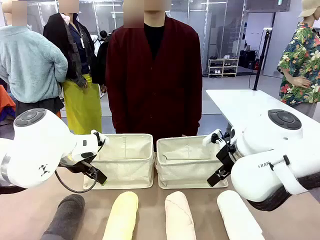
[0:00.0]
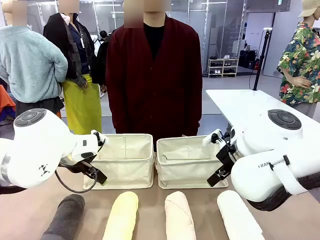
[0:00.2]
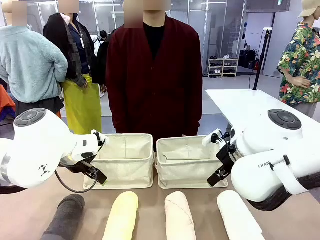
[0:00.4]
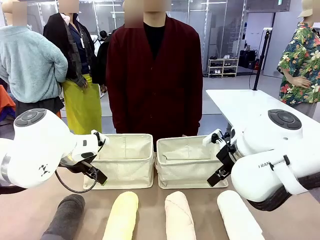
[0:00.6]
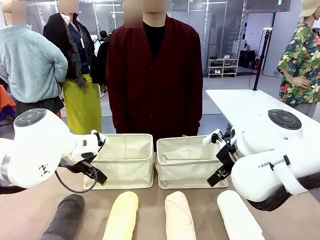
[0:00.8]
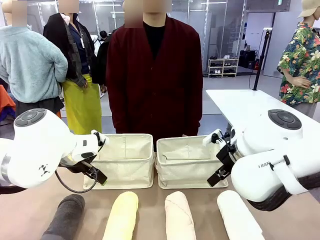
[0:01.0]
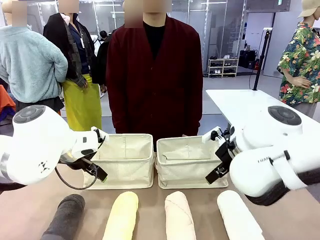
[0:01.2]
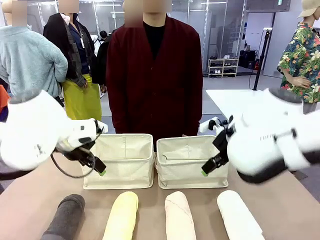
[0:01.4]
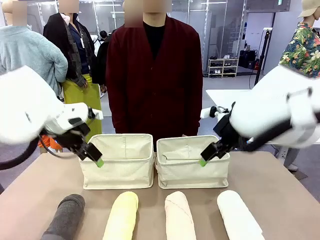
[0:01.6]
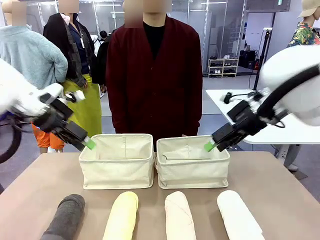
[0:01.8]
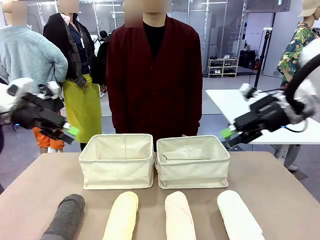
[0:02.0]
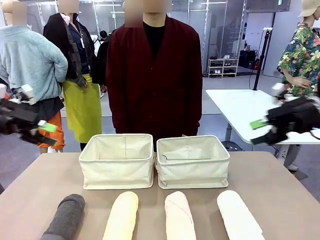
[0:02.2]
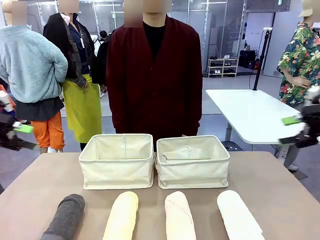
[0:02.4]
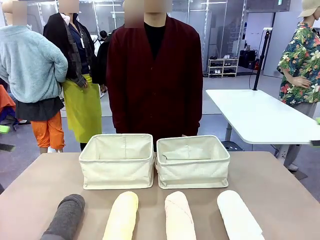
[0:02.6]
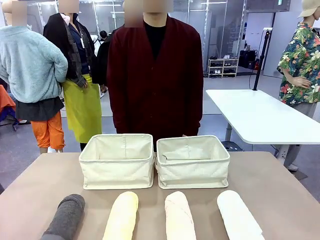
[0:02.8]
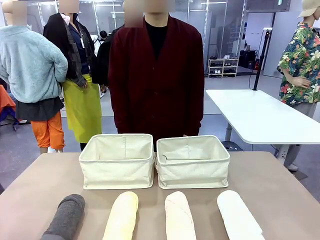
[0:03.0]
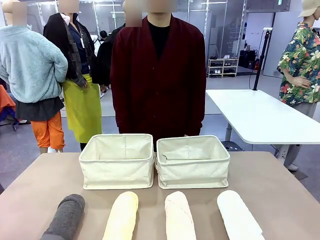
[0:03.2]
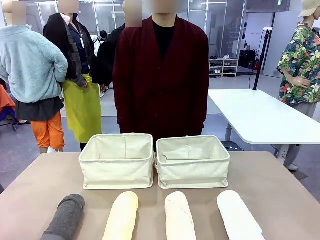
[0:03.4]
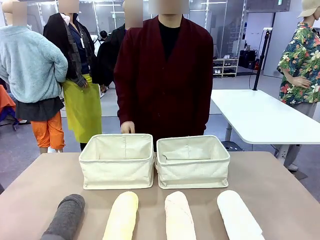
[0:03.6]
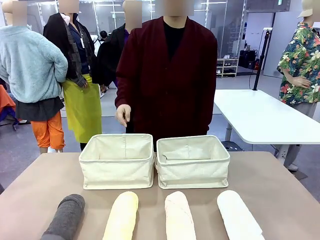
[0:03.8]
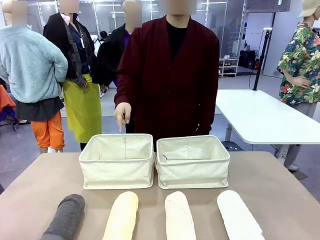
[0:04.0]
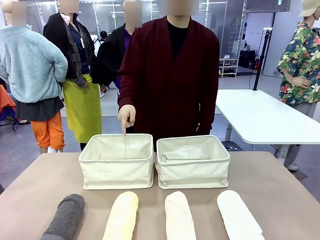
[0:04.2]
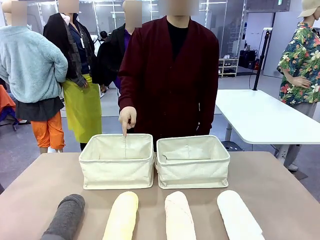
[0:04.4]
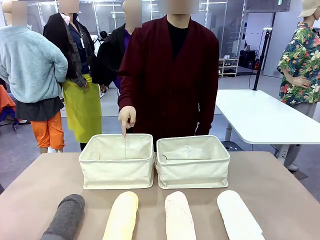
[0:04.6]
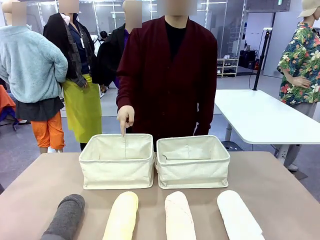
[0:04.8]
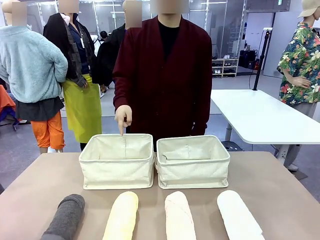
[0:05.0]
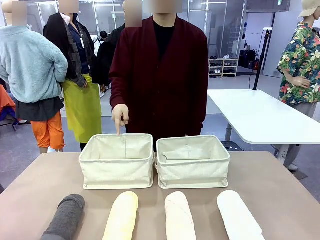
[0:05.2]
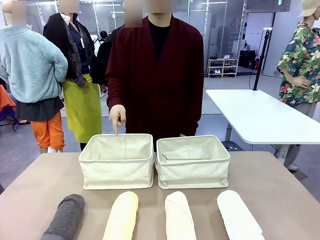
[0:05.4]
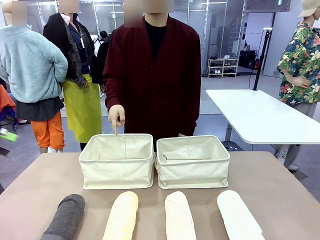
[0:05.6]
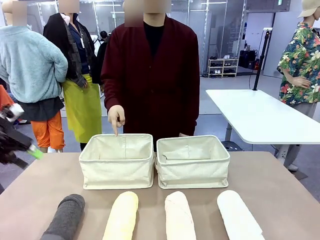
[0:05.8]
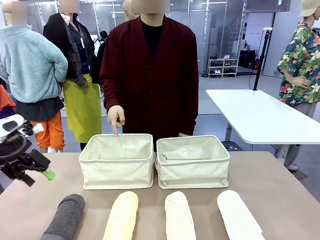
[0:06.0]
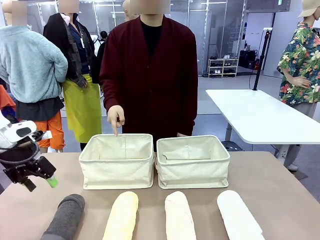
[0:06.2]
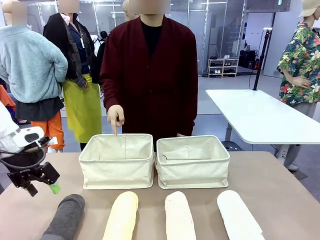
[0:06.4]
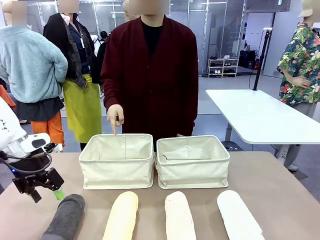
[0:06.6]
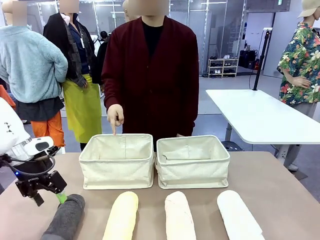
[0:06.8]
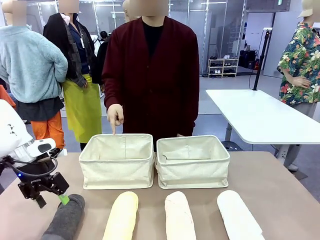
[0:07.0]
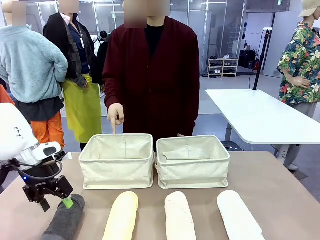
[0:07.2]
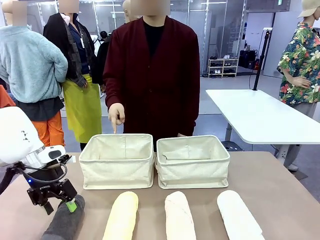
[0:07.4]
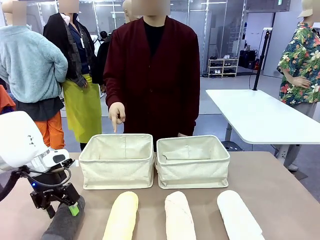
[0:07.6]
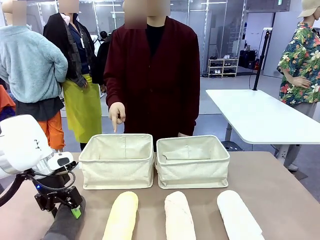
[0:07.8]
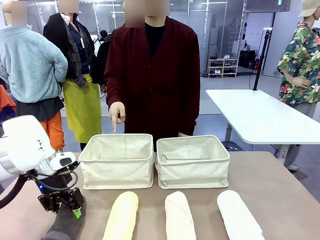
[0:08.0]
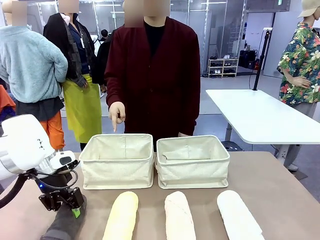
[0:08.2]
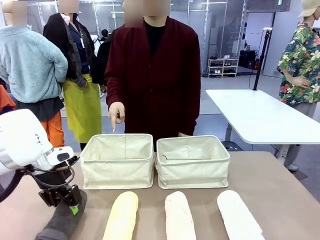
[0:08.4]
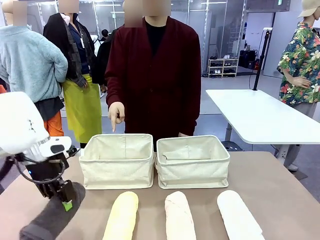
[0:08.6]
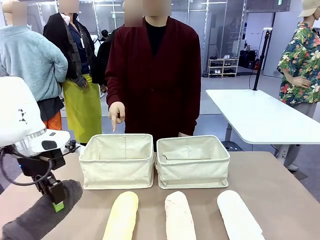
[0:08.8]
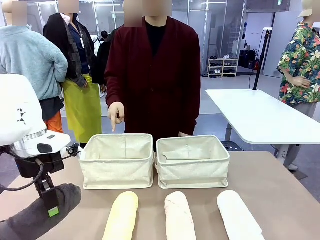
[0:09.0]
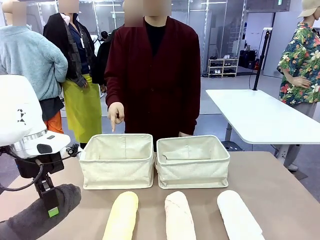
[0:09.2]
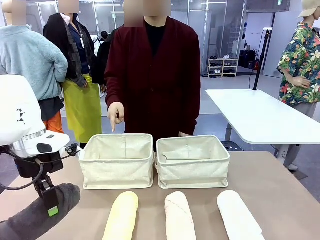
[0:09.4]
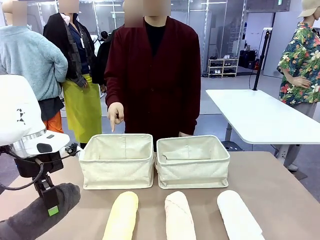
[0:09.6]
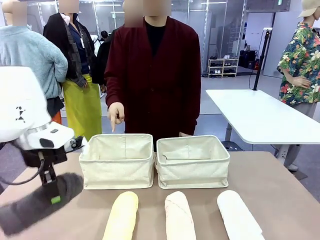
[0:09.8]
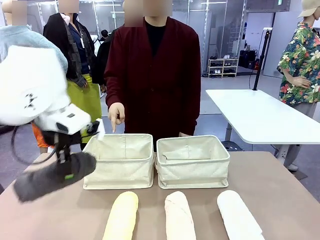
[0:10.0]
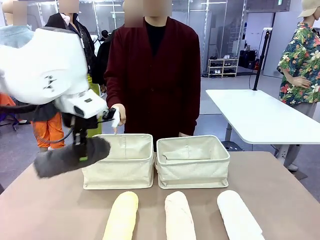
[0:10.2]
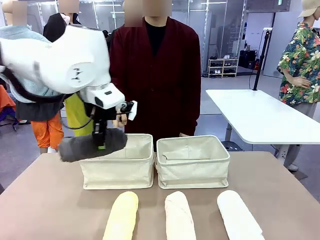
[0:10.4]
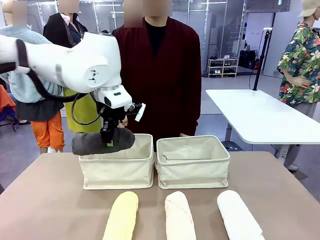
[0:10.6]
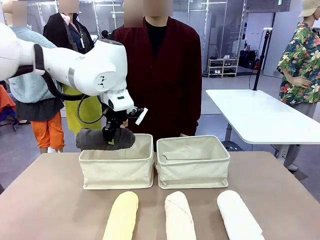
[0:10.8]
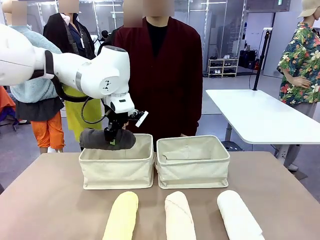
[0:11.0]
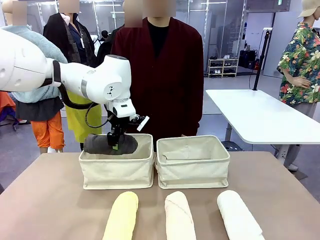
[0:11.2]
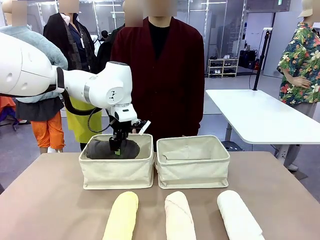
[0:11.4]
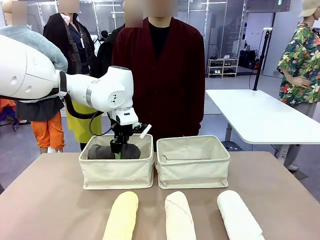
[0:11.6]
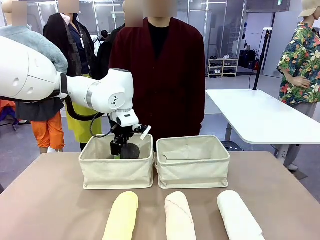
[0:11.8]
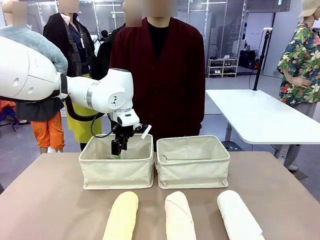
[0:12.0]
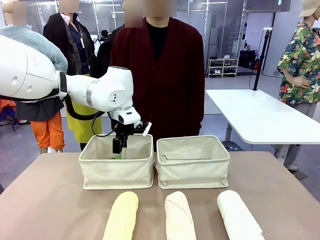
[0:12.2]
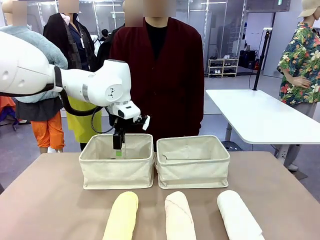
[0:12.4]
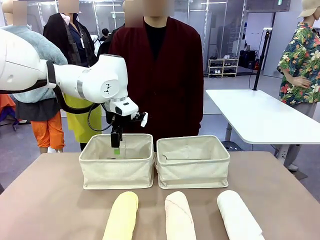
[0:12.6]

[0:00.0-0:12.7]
Task: Divide the towels into two baskets.
Robot: Pick up one hotel-folded towel and place it in the Fabric basket indicated by the person.

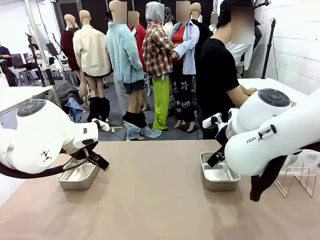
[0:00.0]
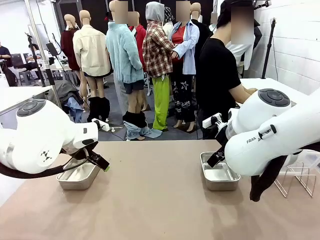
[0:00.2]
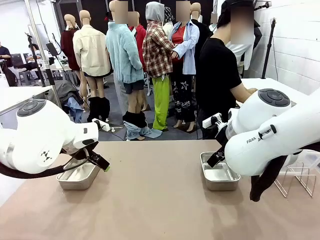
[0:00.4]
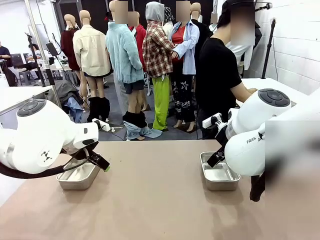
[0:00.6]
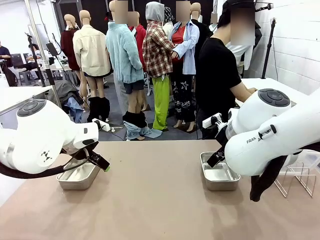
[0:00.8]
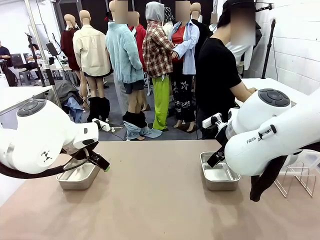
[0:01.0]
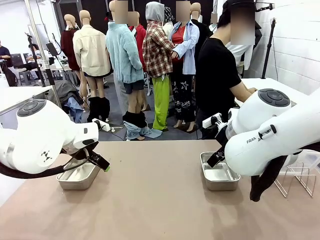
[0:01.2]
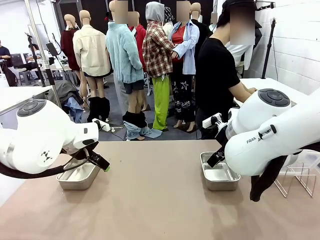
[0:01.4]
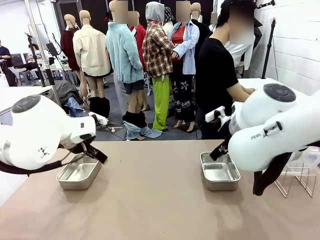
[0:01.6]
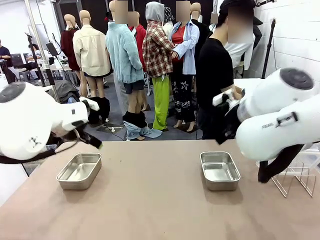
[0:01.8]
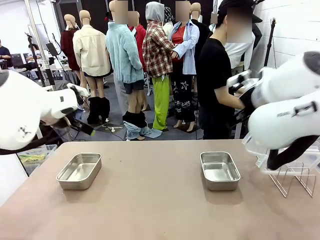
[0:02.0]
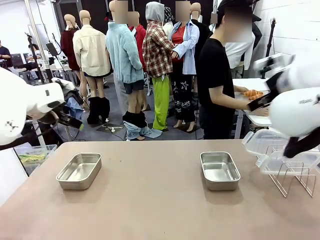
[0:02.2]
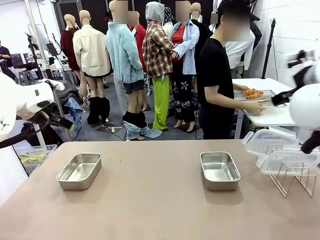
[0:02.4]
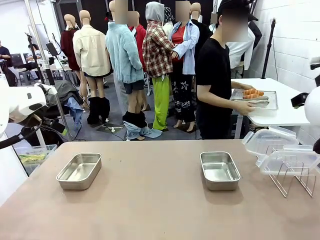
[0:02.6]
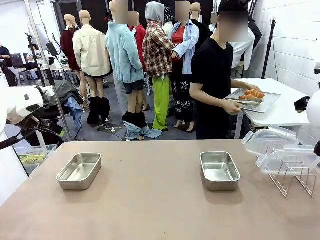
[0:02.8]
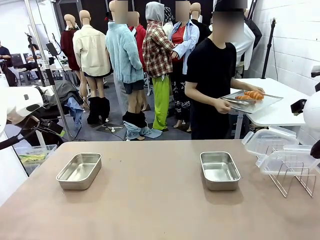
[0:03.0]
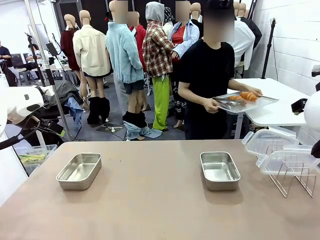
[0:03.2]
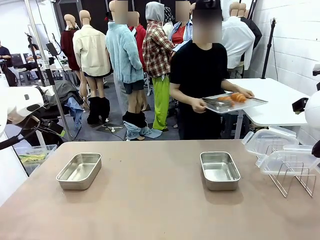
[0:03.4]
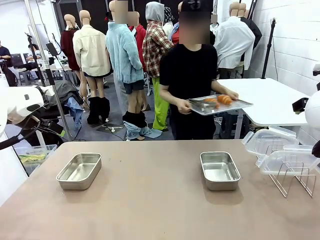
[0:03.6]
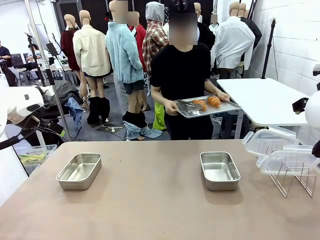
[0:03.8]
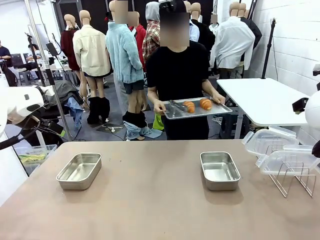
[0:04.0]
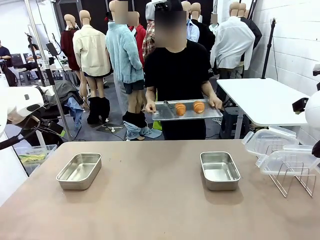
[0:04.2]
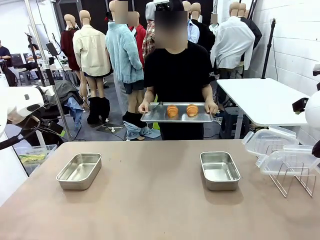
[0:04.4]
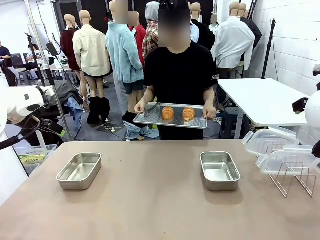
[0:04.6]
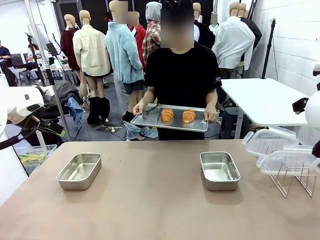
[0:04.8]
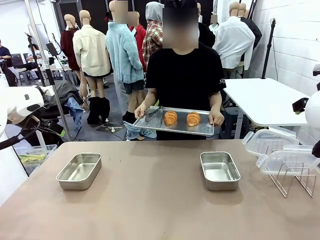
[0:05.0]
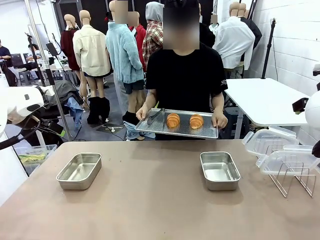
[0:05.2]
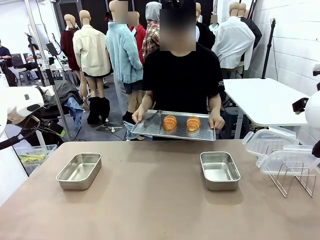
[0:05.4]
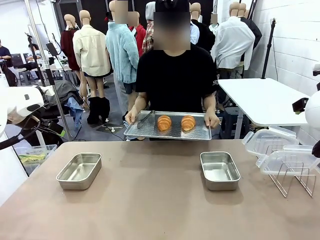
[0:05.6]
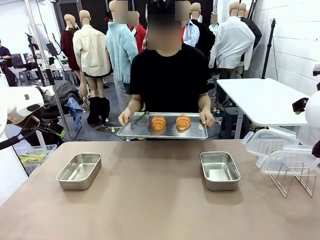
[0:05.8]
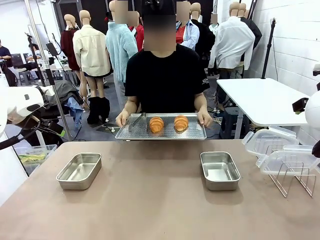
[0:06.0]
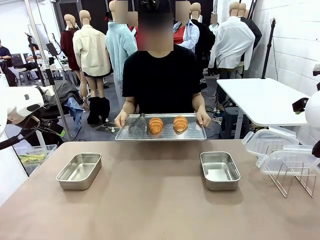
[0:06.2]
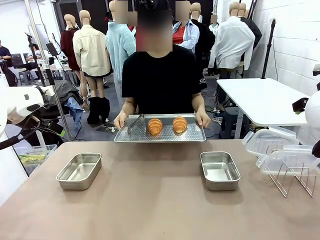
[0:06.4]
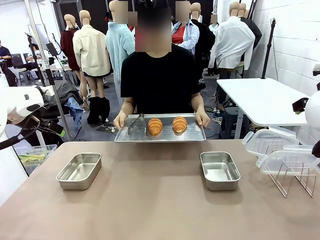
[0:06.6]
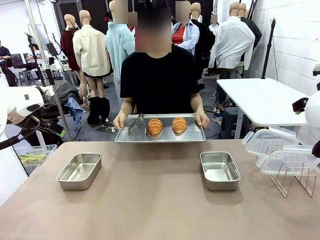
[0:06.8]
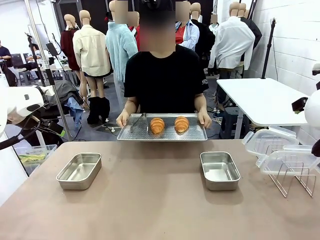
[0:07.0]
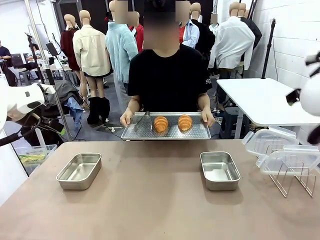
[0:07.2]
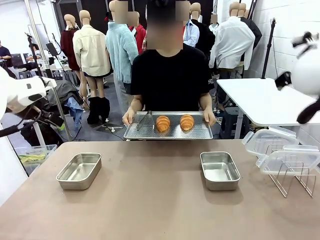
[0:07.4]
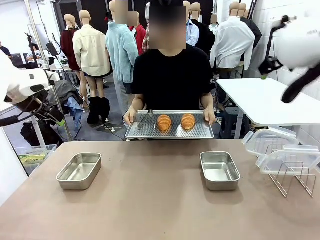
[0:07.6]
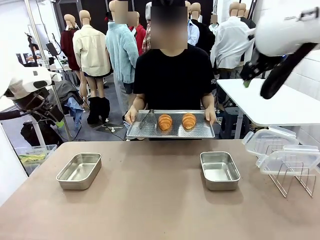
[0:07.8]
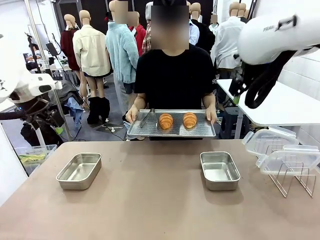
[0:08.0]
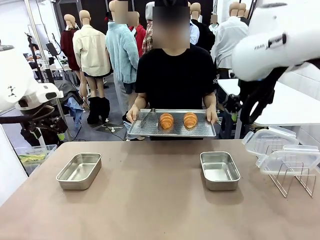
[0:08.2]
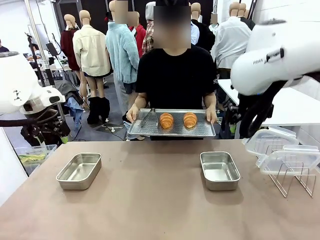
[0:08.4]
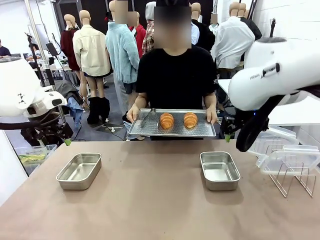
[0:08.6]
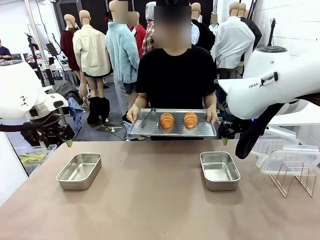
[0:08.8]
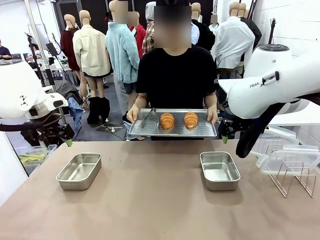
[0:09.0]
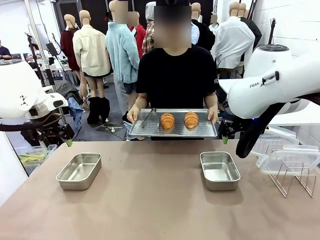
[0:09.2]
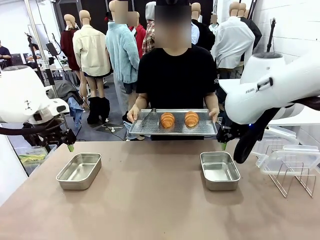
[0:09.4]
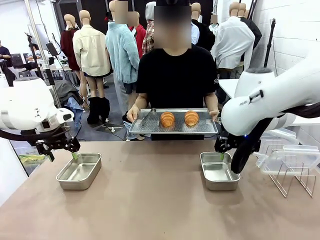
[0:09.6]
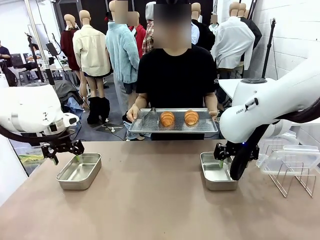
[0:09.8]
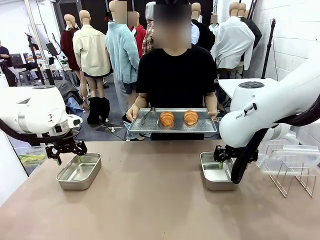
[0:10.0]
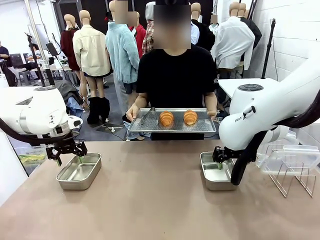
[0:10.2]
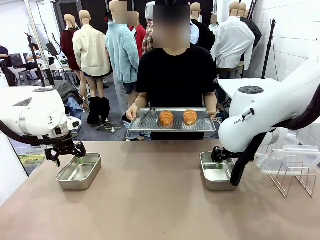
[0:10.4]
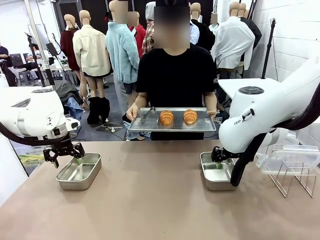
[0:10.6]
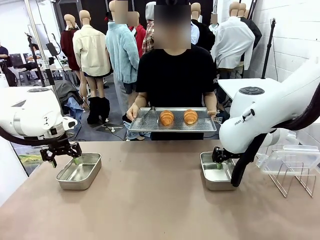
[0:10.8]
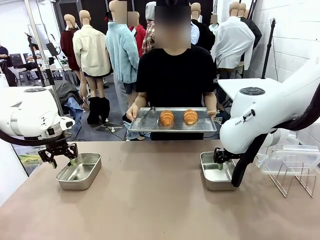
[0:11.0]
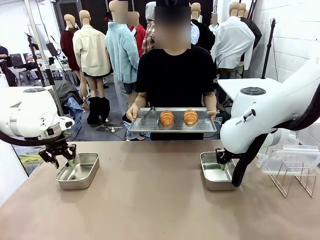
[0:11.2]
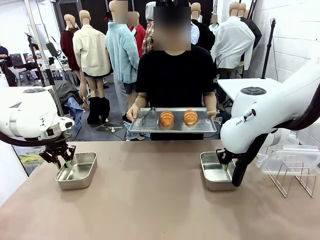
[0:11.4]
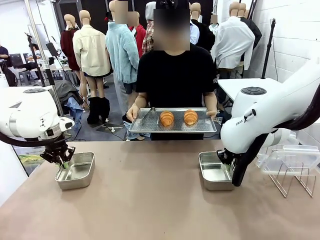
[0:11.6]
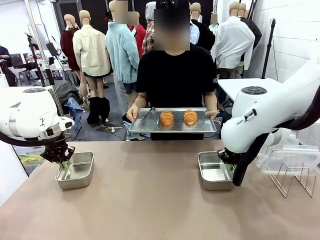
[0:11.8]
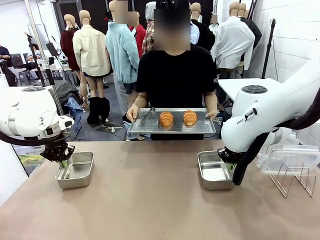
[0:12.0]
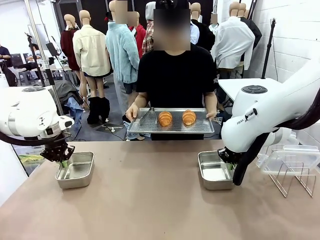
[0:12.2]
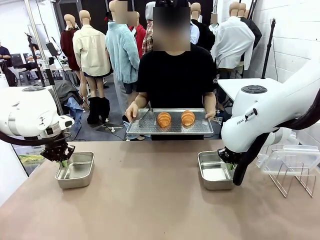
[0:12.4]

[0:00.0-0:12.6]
Task: Place the bread in airtight containers.
Robot: Lift both Airtight Container.
Person: Bring the Baking Sheet in front of Robot's Table.
